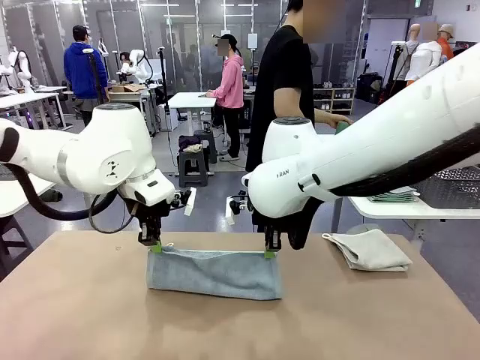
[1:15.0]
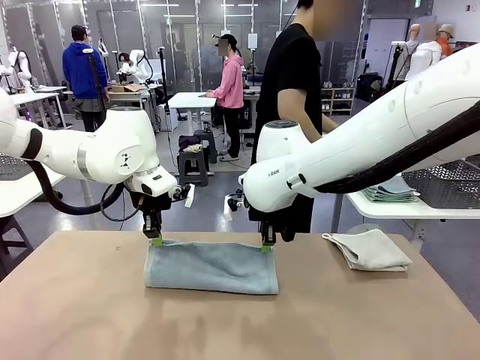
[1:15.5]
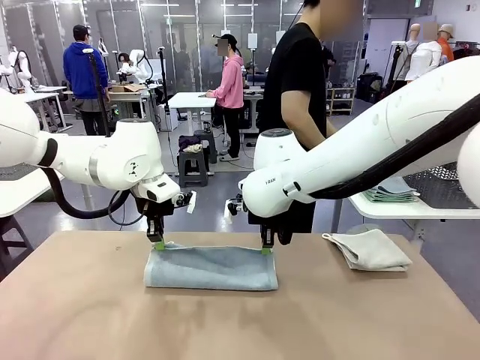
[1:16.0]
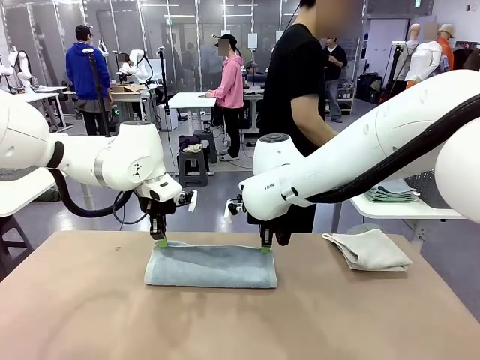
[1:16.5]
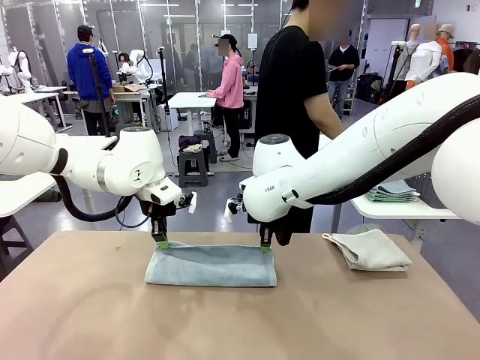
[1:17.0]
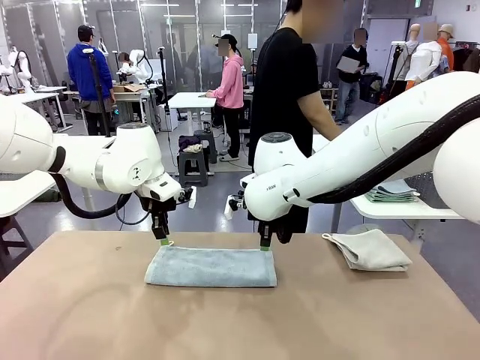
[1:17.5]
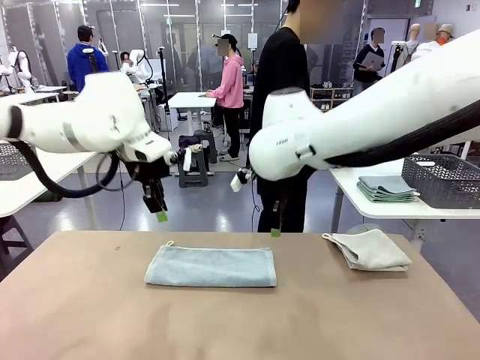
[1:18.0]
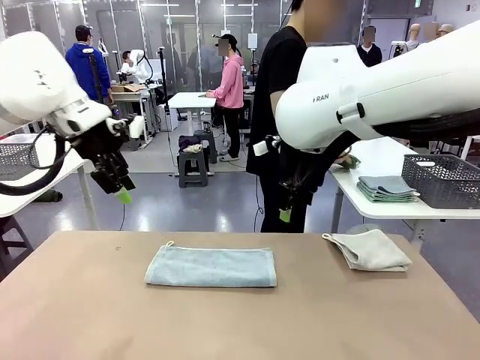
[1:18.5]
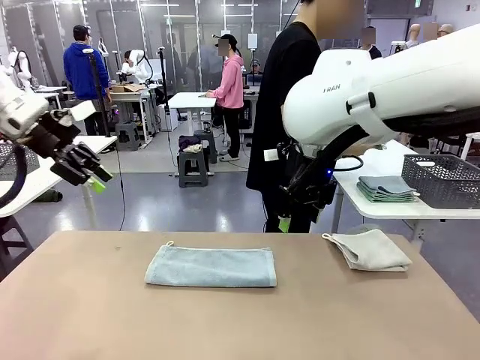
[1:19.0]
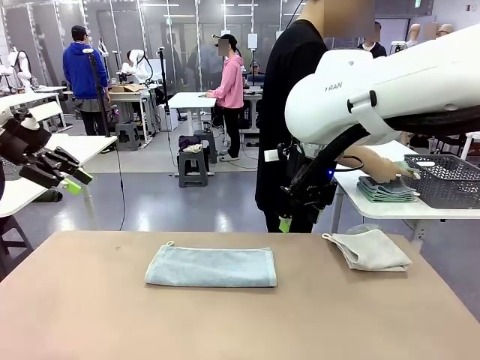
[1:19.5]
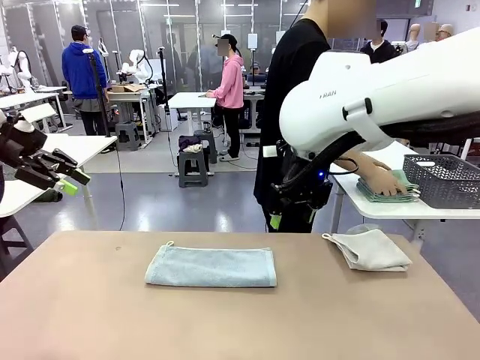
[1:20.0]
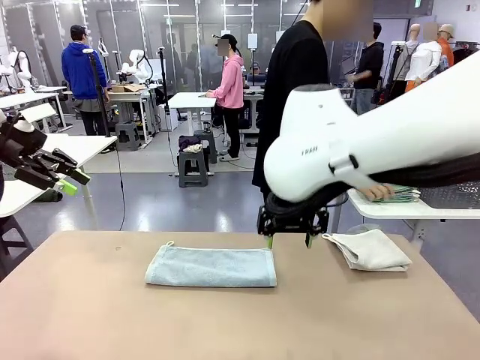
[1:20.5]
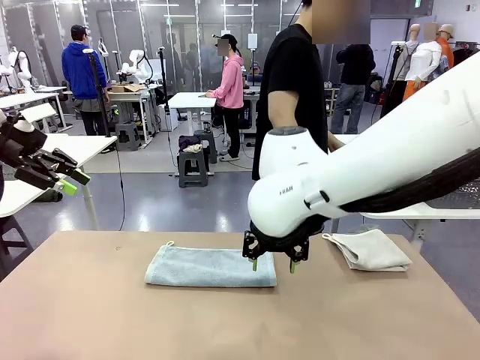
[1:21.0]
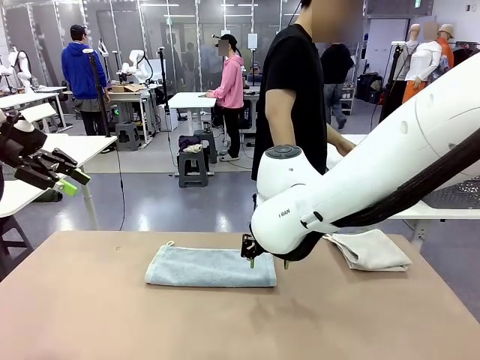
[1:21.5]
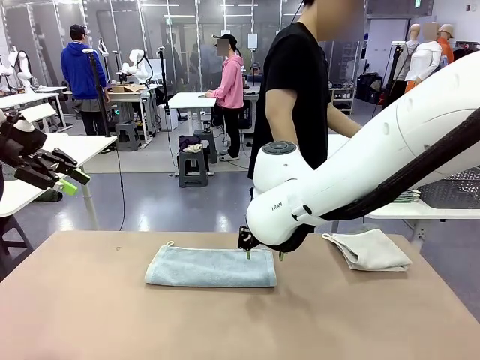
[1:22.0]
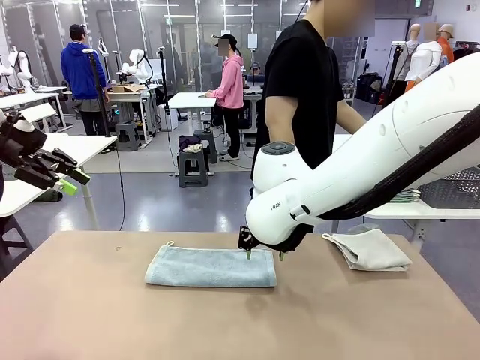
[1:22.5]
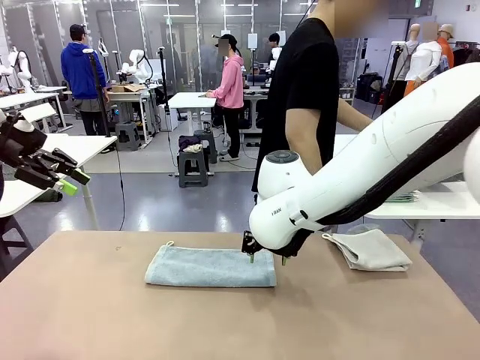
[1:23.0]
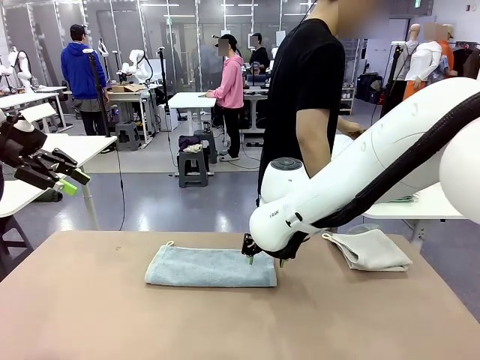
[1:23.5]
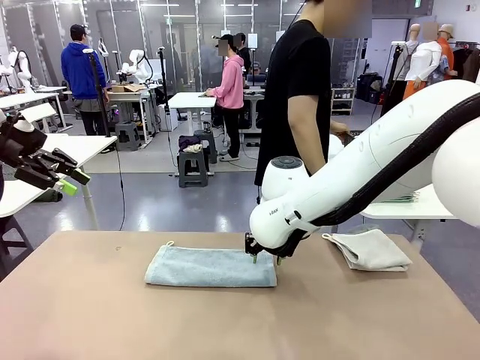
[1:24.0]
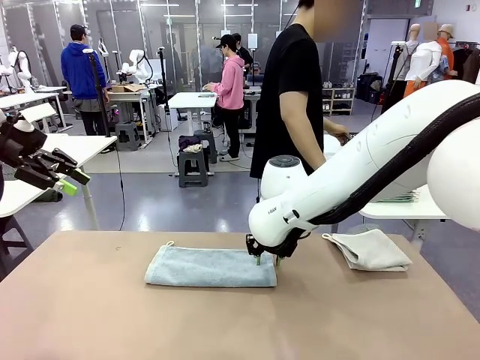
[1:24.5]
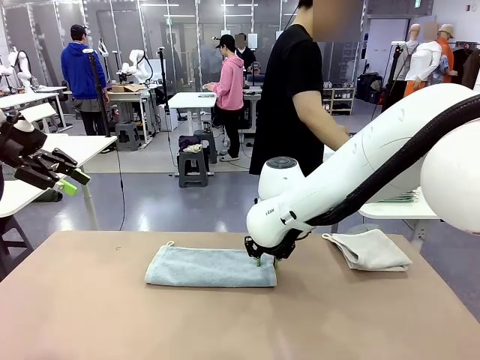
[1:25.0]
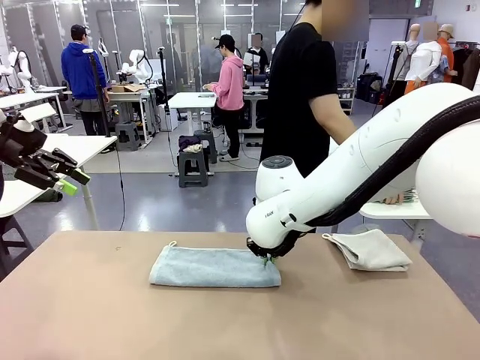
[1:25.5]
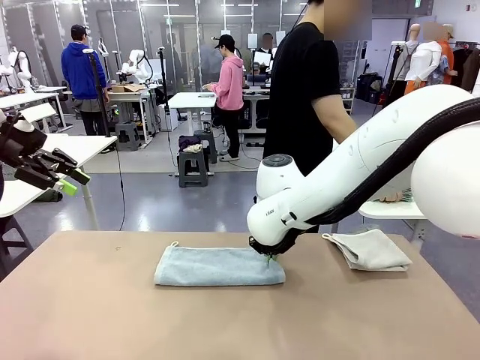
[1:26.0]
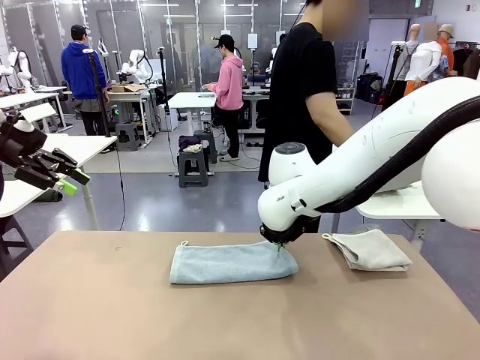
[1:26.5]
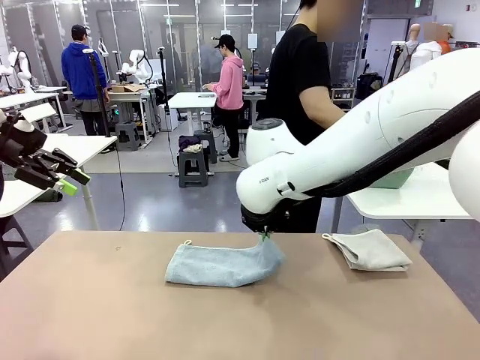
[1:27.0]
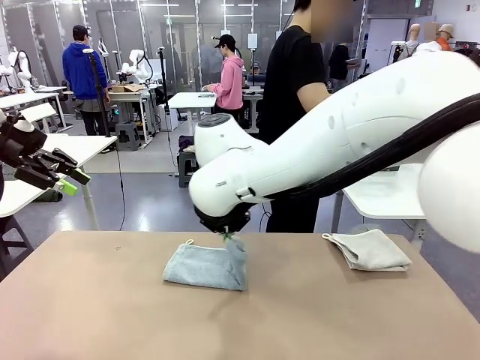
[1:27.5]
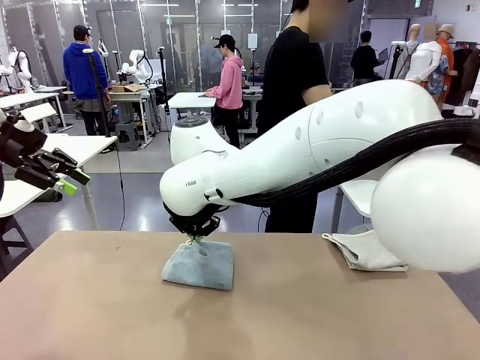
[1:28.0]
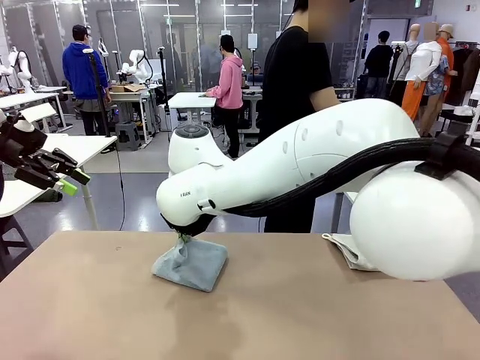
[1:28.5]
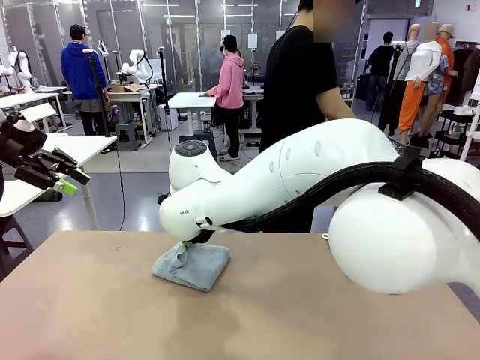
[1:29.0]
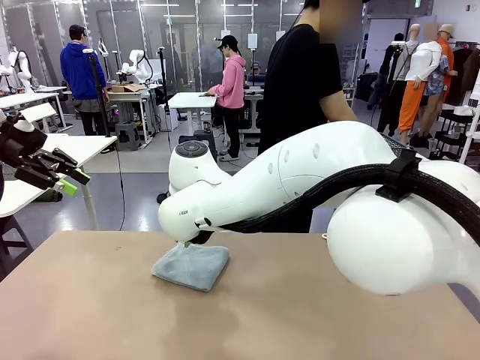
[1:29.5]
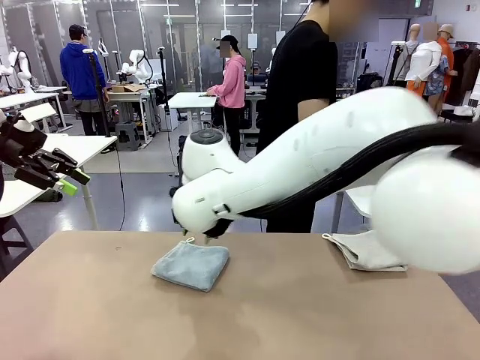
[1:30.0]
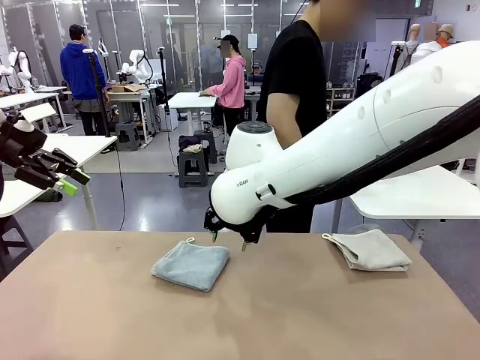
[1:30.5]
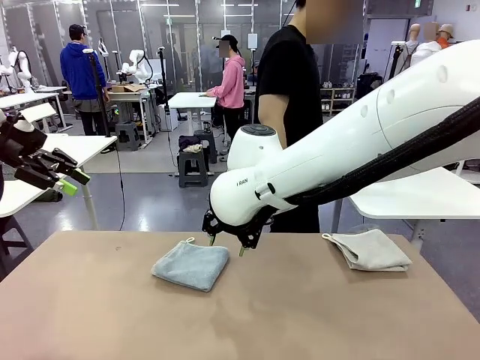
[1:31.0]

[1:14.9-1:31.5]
Task: Fold the towels and place them in the basket.
Robot: When a person lays out a Towel with hook on the table, fold it in half twice.
Person: Pick up the stack of towels from the right side of the human table, place it into the basket, and put the basket at the center of the table.

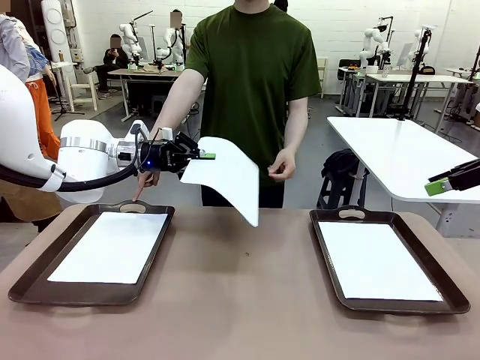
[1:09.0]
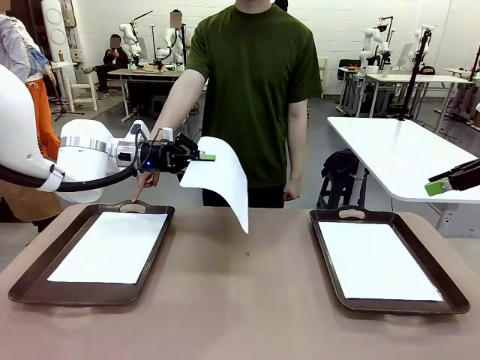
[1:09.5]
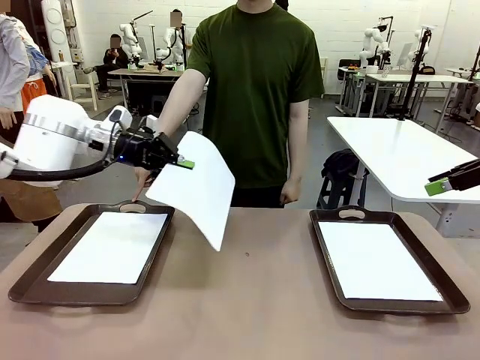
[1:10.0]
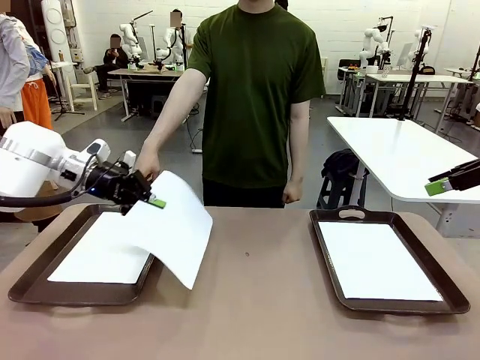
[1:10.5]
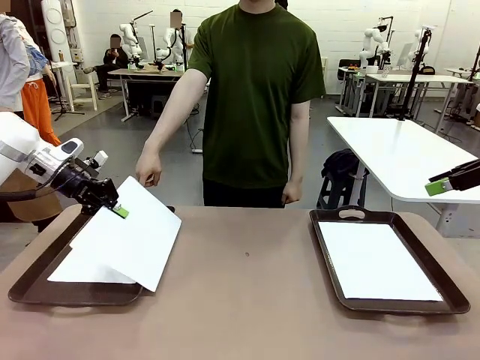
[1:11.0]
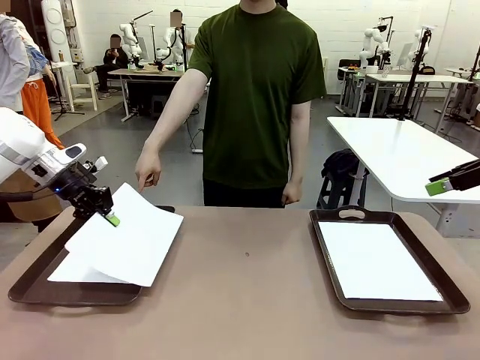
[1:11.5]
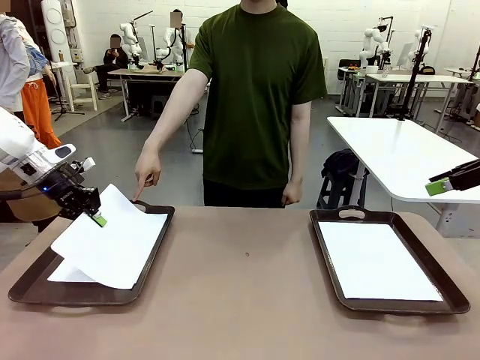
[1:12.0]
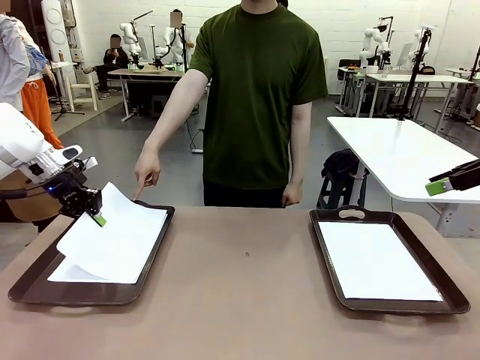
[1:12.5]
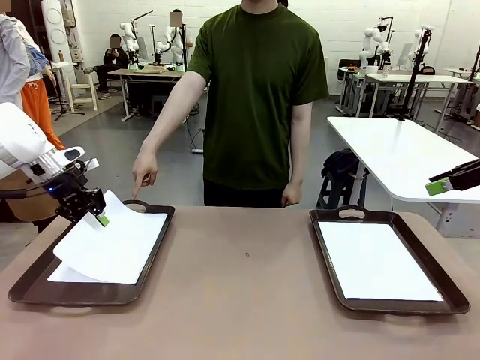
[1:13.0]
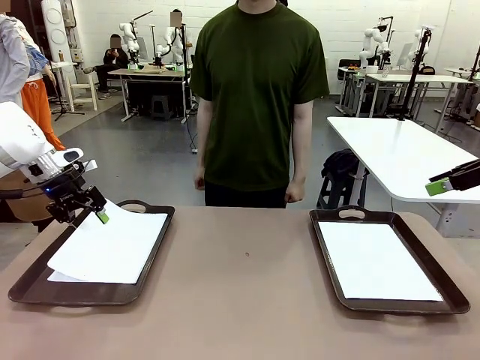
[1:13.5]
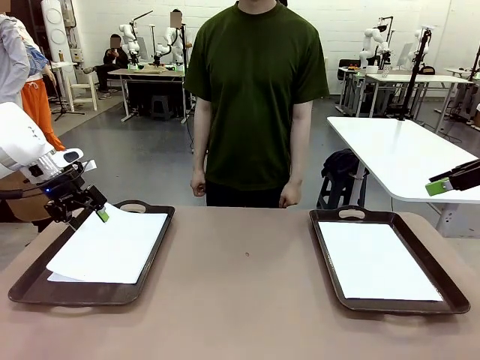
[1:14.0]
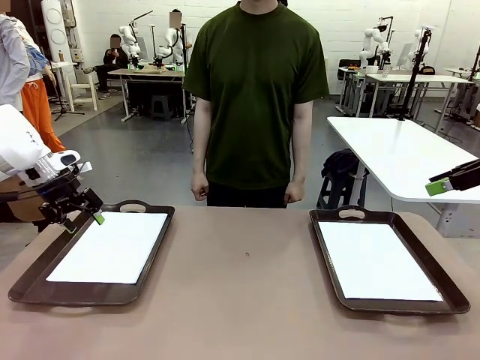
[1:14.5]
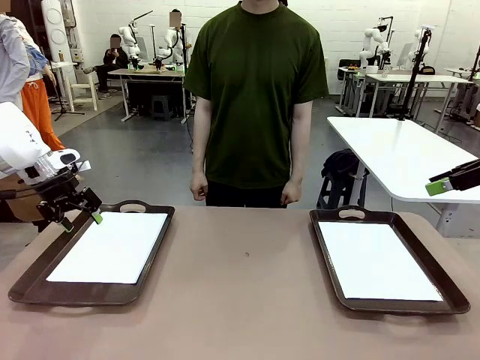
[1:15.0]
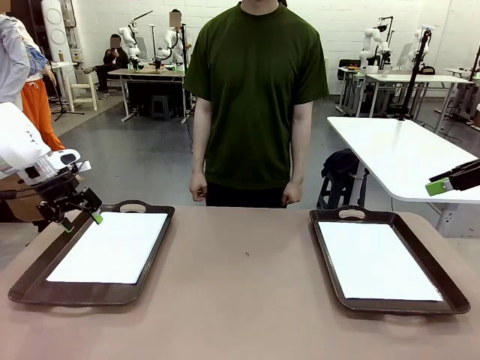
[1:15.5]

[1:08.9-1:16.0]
Task: Sort the A4 documents.
Robot: Place the A4 Paper in the designated Handle tray.
